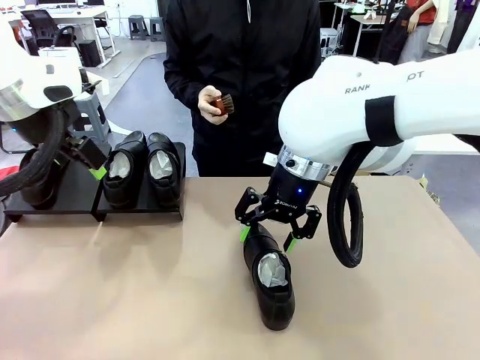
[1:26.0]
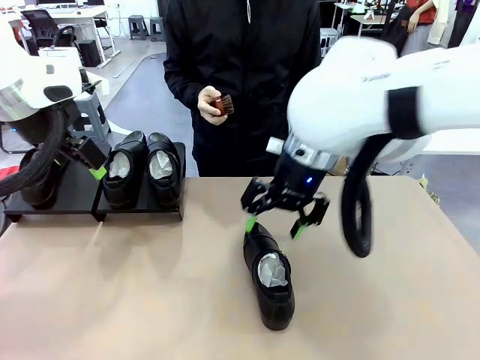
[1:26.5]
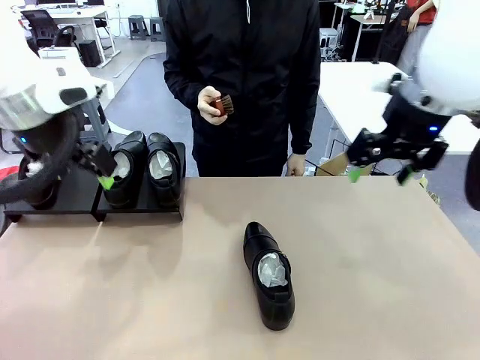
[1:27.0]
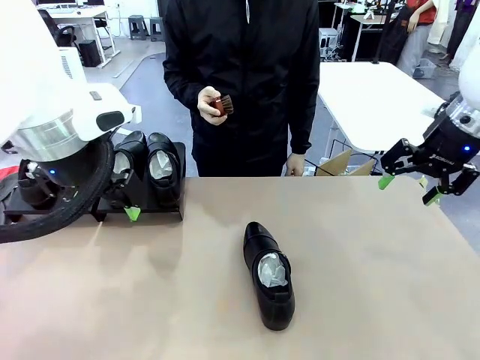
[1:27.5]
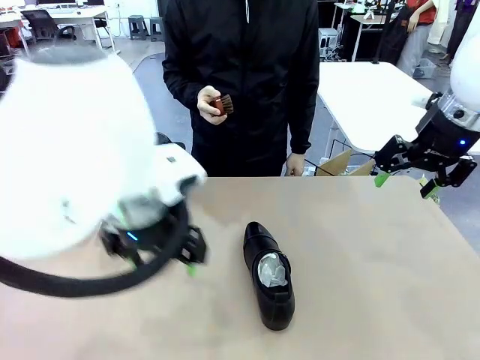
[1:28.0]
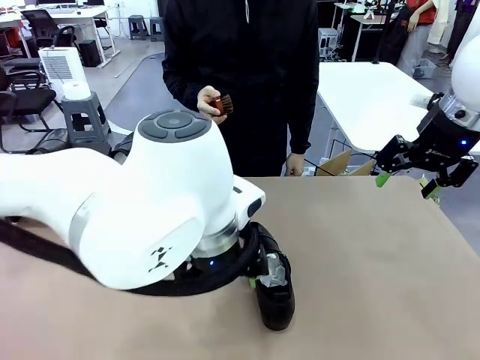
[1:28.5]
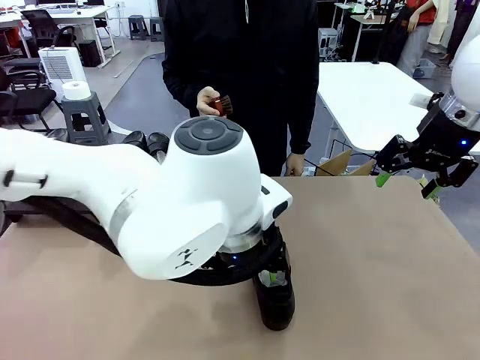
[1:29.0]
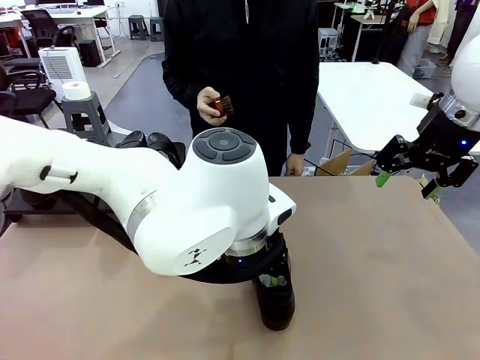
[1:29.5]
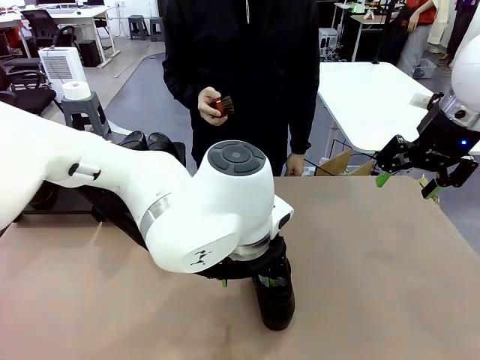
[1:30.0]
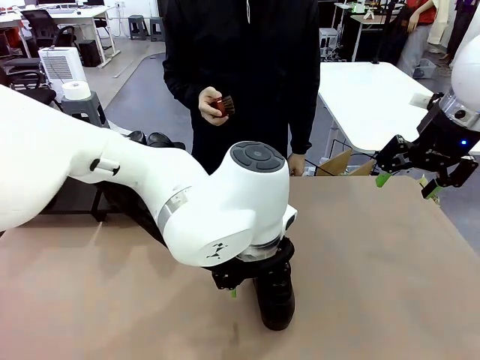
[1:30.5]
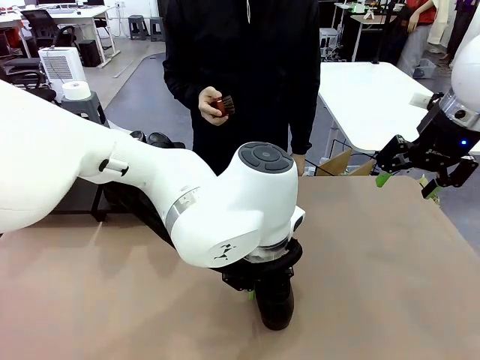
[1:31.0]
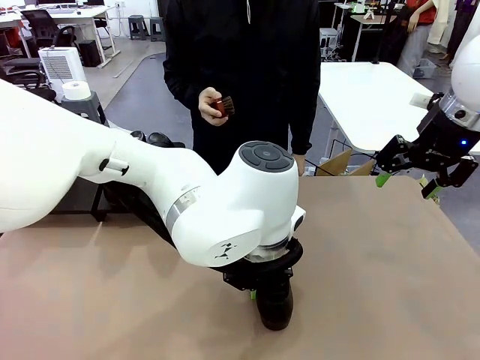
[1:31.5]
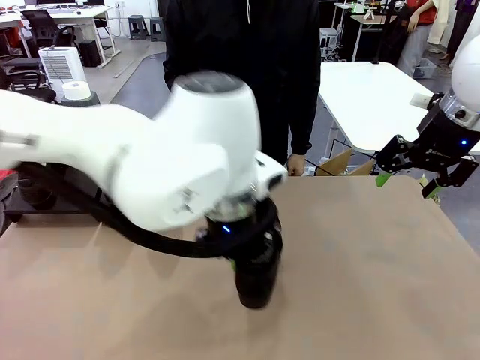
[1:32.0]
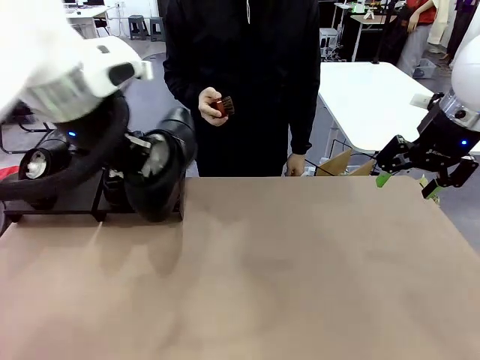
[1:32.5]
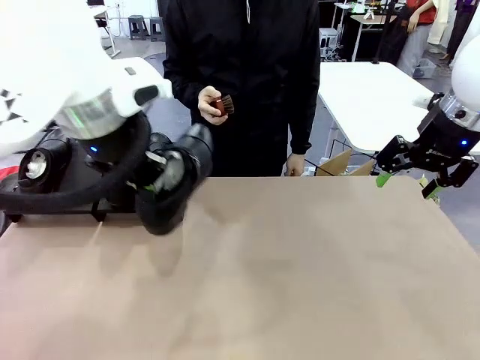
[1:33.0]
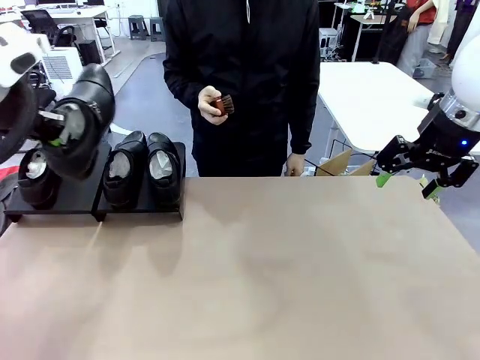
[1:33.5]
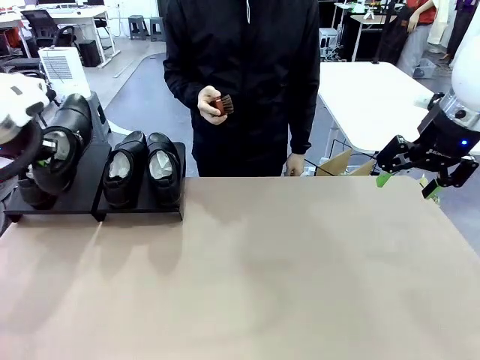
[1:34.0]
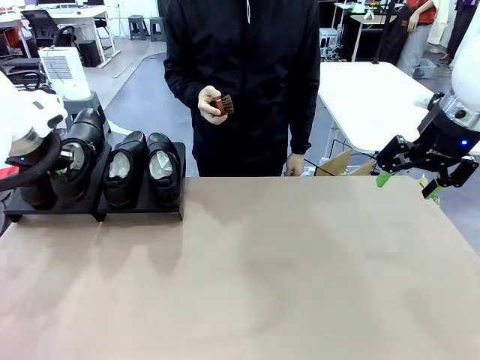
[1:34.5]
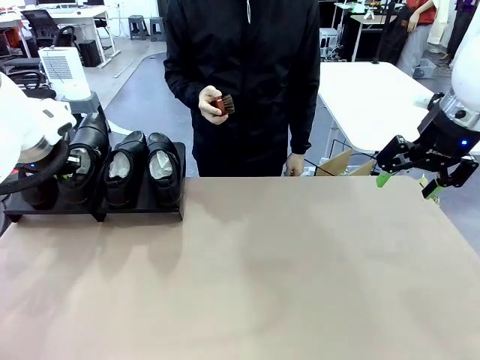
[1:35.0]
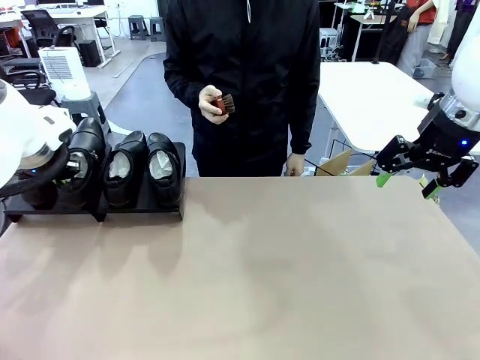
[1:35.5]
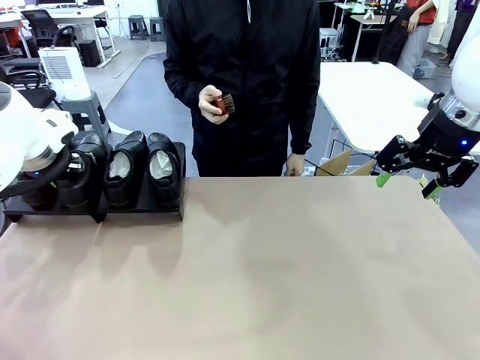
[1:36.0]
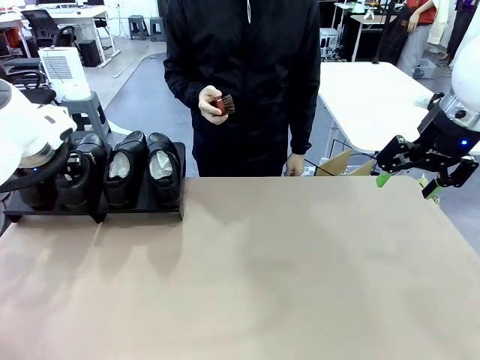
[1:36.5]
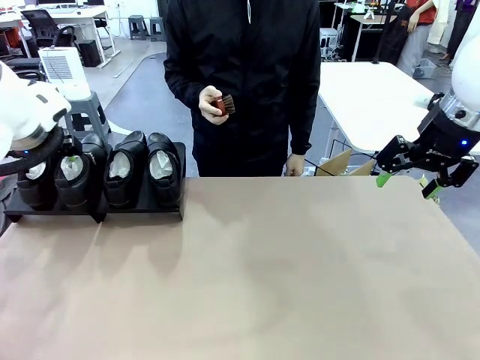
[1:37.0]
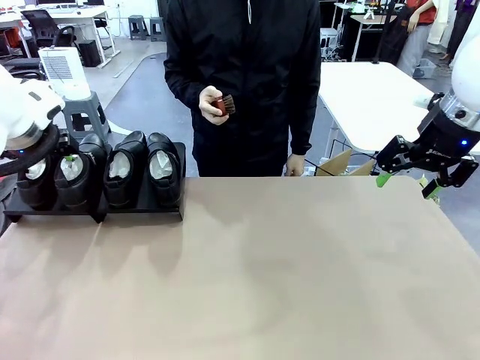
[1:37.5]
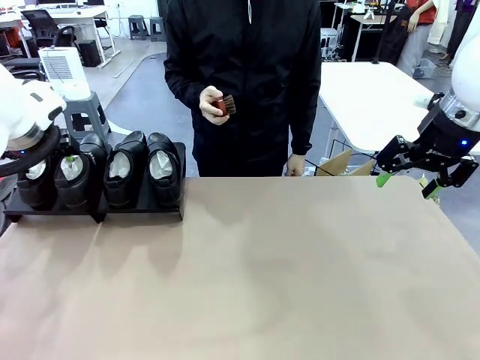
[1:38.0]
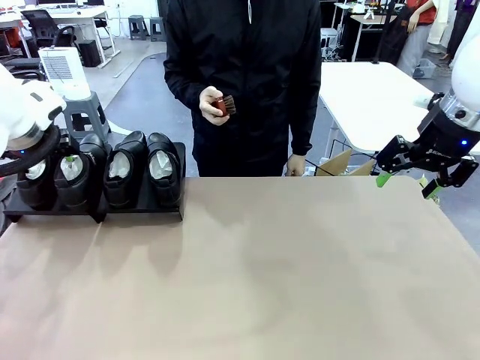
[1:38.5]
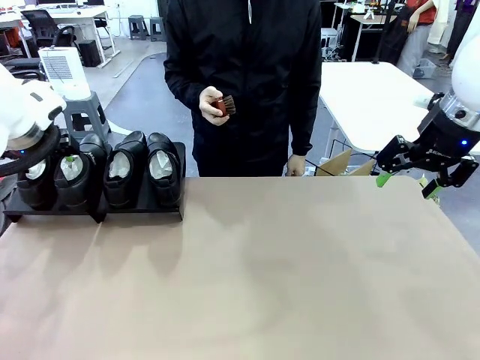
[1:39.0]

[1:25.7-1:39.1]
Task: Organize the shoes by placing them on the stand.
Robot: Place the Shoe from the middle of the table onto the Shoes Stand.

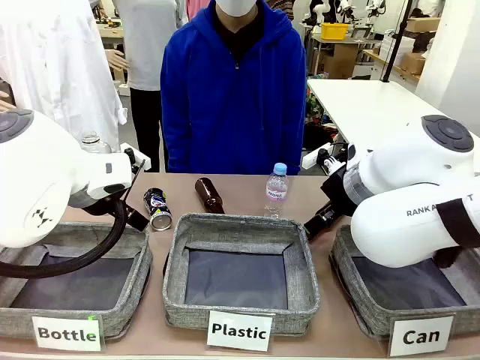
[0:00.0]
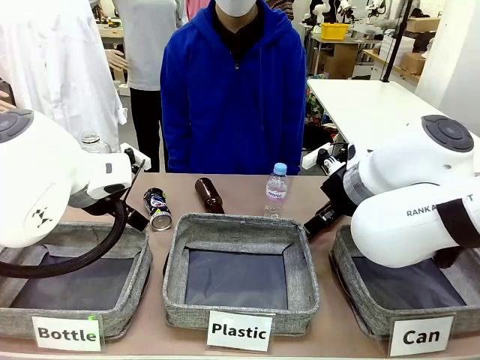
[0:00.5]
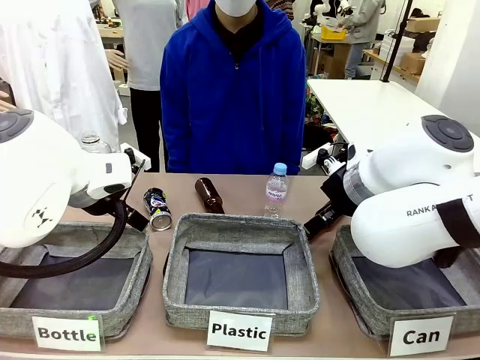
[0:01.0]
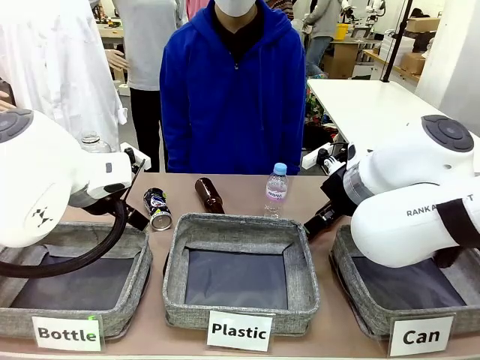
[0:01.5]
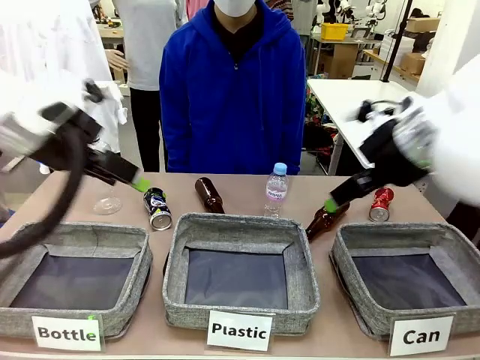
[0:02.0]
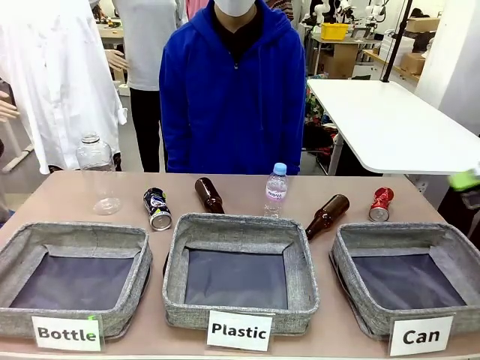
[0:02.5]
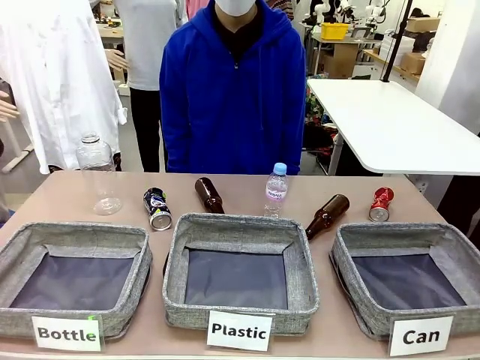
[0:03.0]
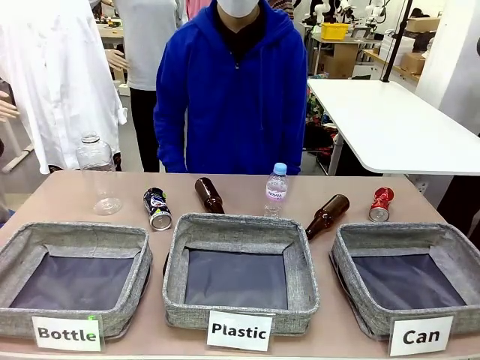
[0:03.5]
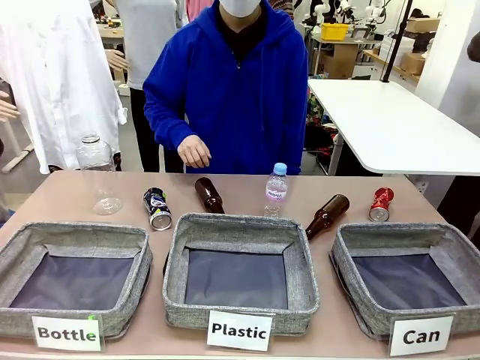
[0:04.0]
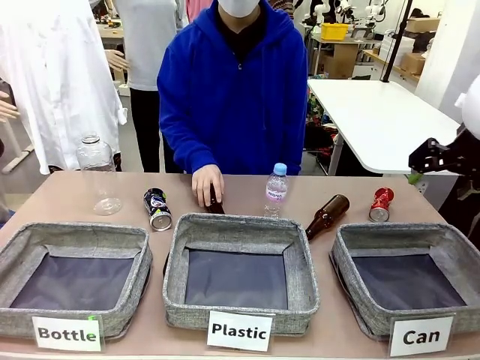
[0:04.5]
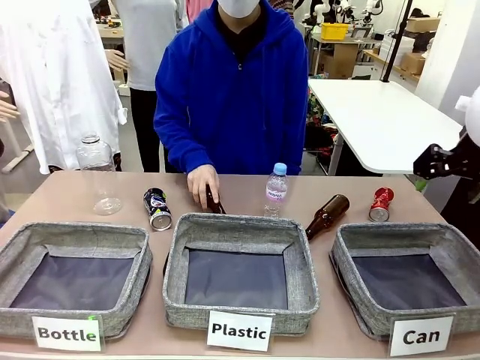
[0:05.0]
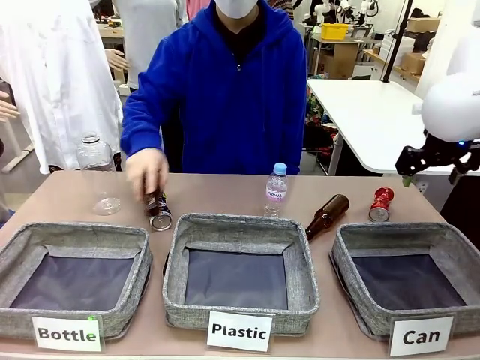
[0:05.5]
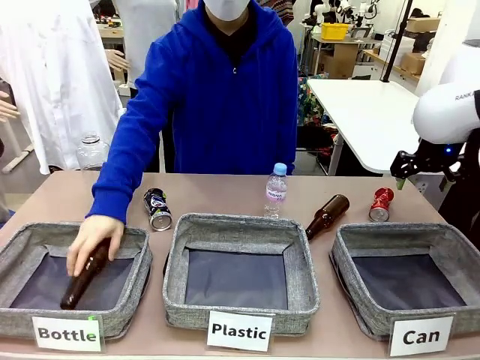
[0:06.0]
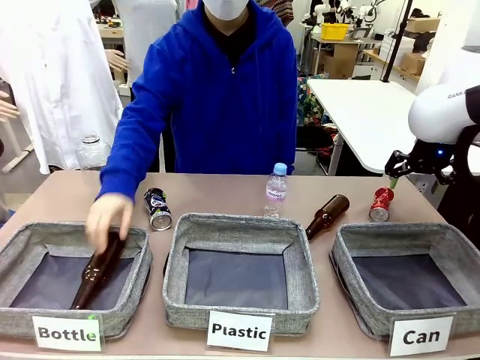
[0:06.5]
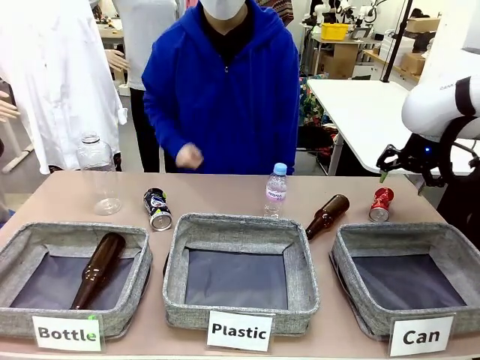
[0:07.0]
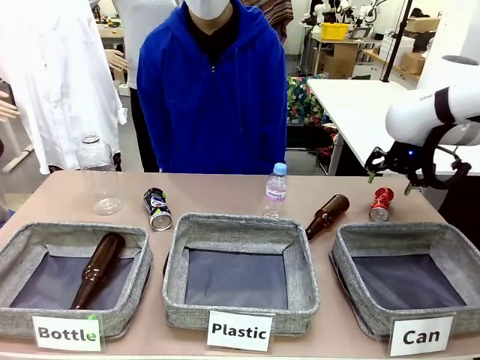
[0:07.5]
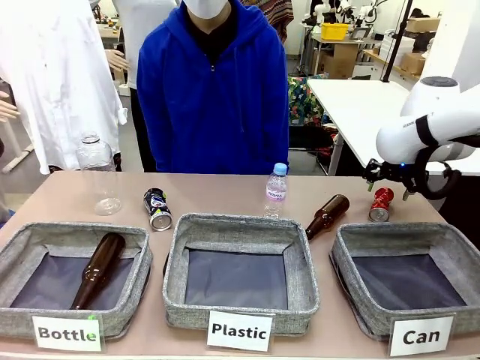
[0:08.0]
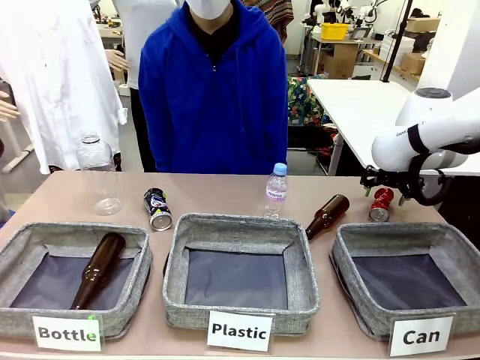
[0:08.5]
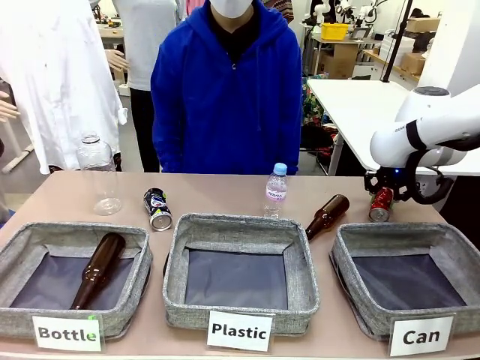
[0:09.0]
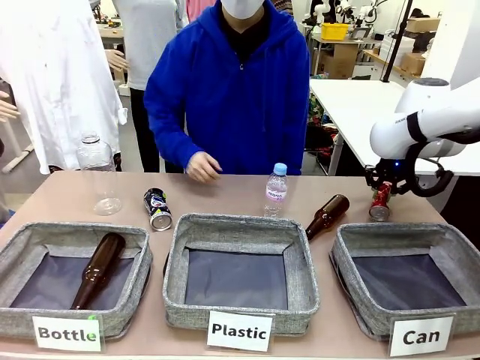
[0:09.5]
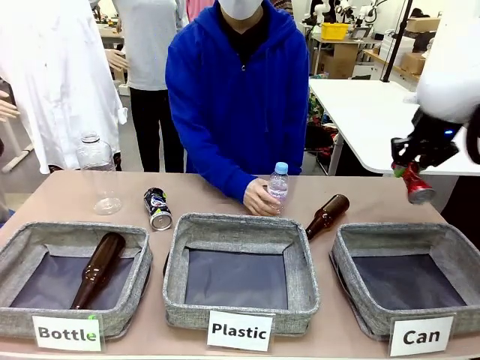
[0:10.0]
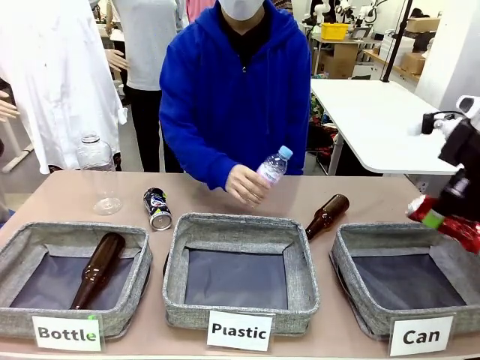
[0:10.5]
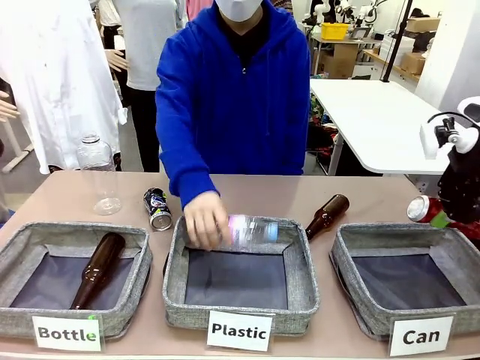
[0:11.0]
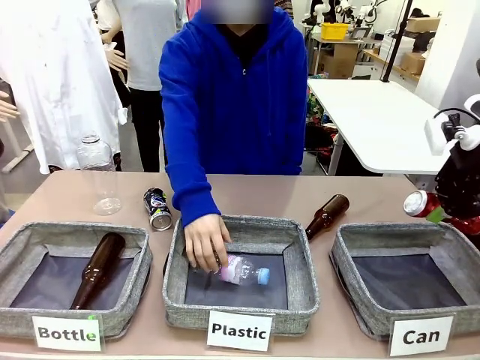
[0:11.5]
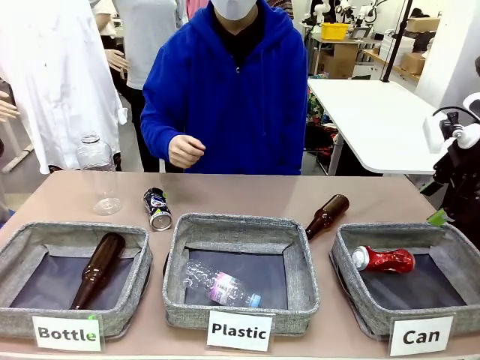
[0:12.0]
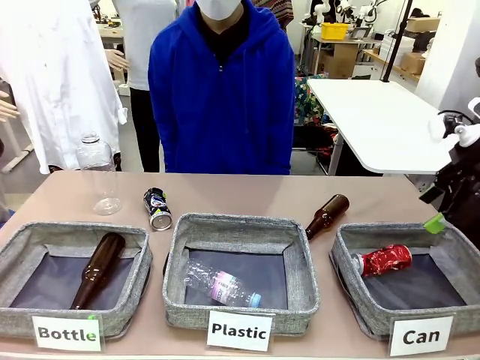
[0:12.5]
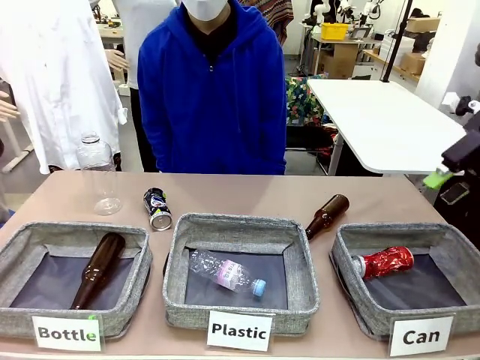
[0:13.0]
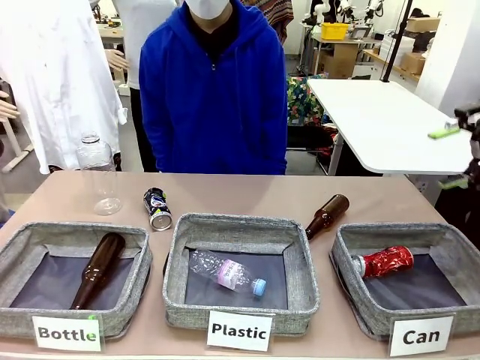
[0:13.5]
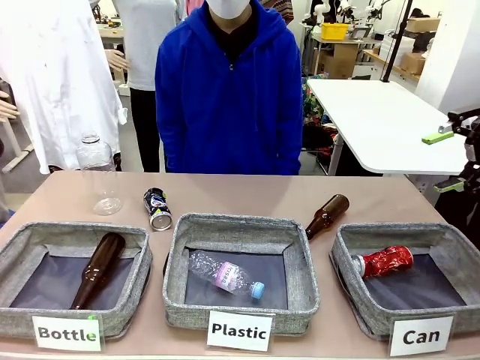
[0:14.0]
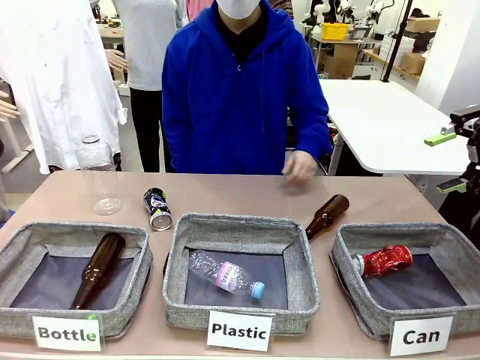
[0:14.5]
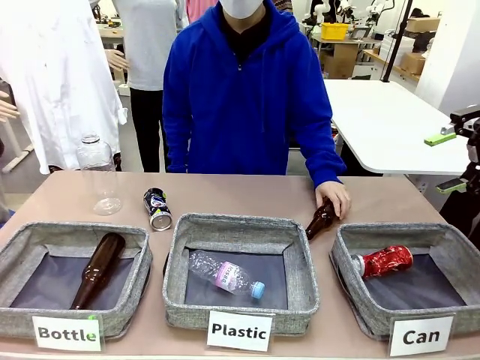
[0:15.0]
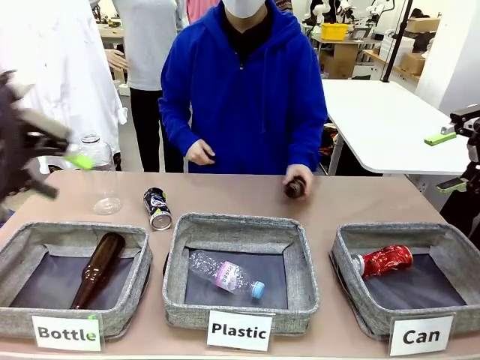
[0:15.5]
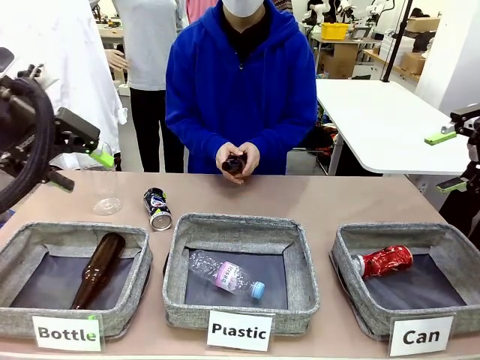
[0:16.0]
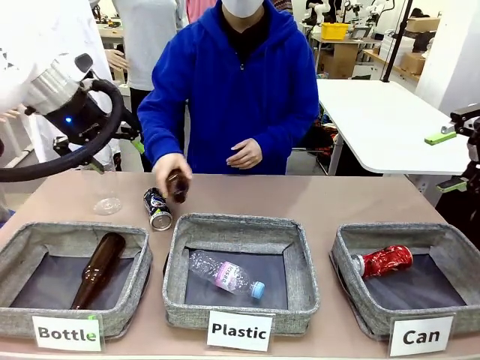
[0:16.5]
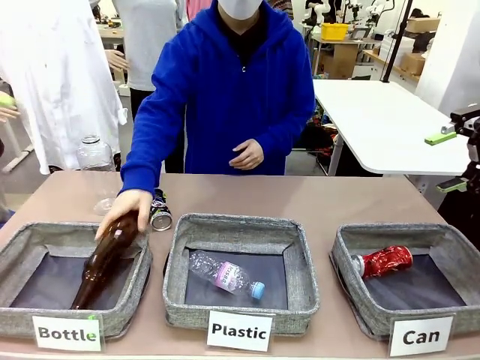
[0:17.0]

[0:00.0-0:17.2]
Task: Sort the can waste into the basket.
Robot: Pick up the can waste from the table and place it in the right Fabric basket.
